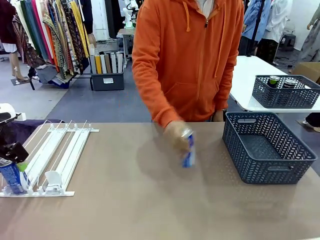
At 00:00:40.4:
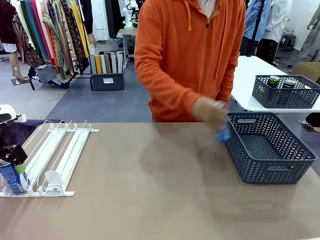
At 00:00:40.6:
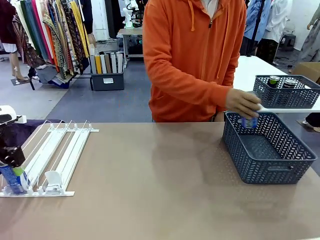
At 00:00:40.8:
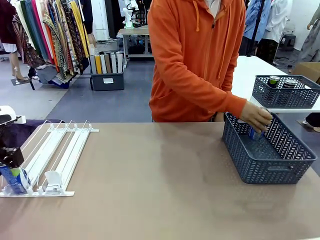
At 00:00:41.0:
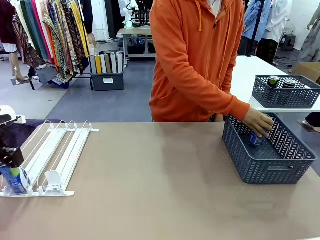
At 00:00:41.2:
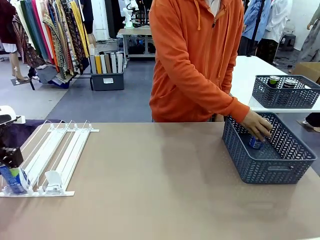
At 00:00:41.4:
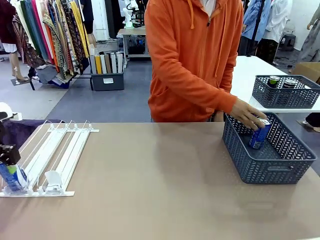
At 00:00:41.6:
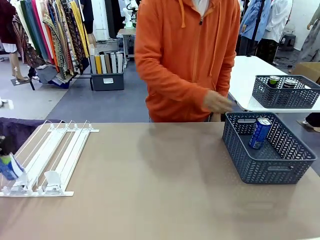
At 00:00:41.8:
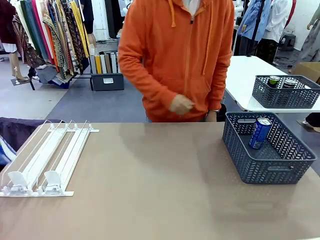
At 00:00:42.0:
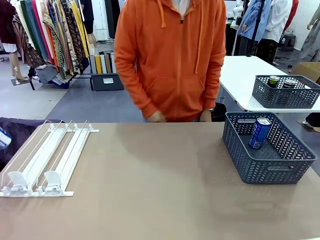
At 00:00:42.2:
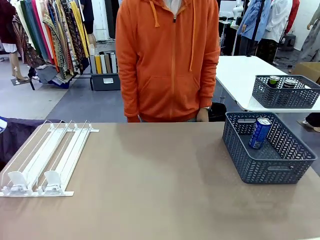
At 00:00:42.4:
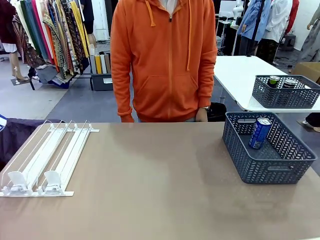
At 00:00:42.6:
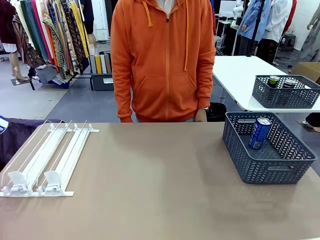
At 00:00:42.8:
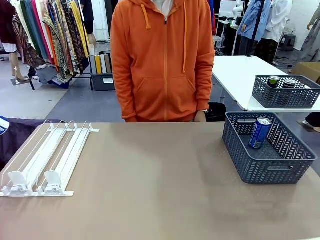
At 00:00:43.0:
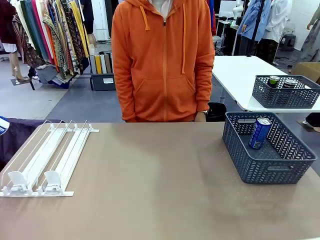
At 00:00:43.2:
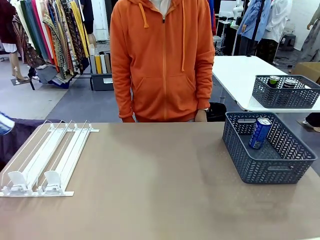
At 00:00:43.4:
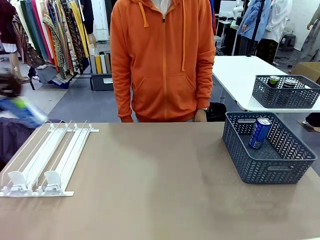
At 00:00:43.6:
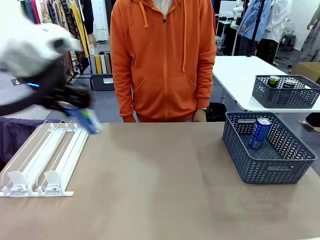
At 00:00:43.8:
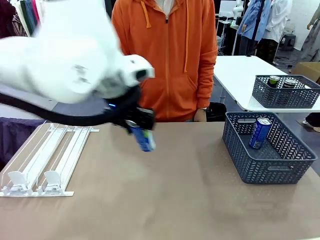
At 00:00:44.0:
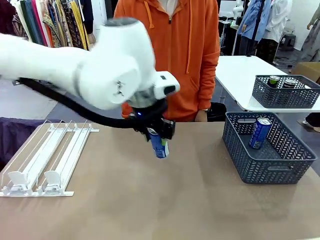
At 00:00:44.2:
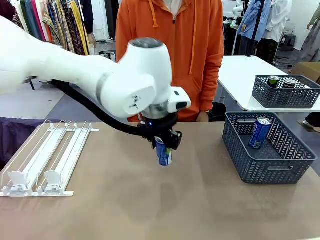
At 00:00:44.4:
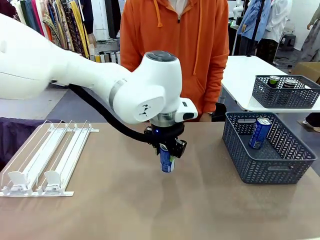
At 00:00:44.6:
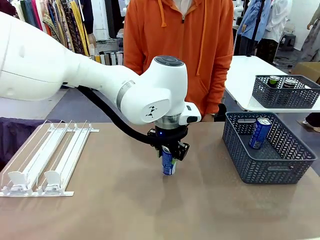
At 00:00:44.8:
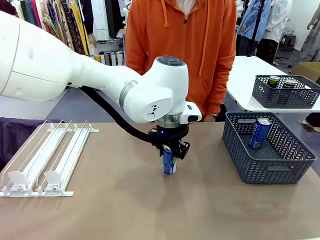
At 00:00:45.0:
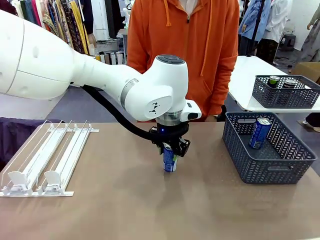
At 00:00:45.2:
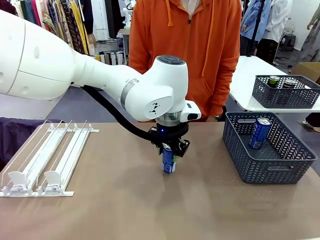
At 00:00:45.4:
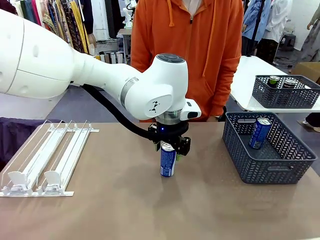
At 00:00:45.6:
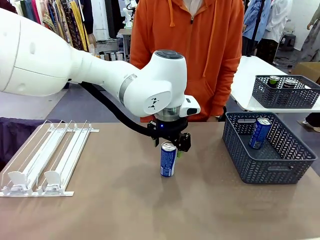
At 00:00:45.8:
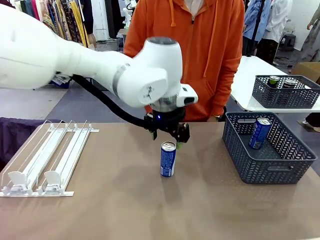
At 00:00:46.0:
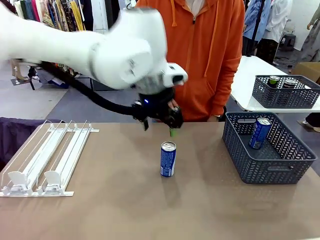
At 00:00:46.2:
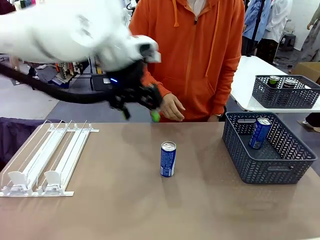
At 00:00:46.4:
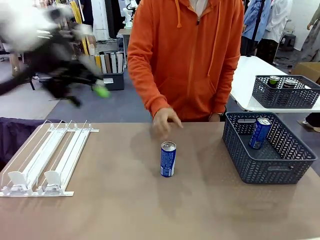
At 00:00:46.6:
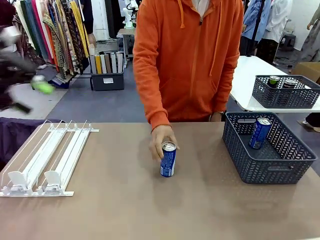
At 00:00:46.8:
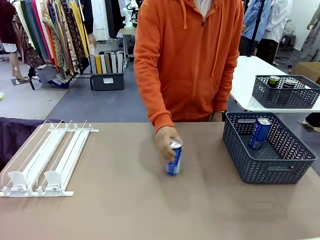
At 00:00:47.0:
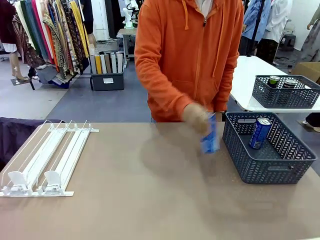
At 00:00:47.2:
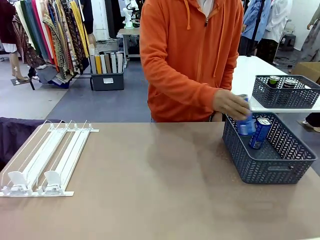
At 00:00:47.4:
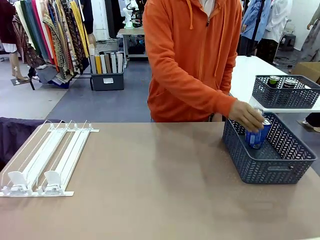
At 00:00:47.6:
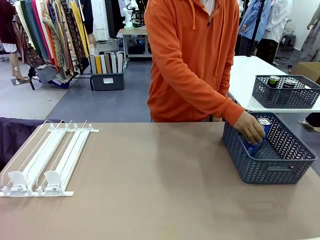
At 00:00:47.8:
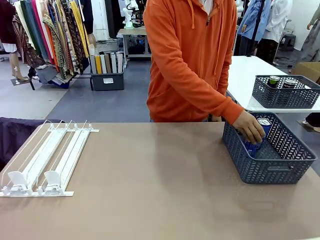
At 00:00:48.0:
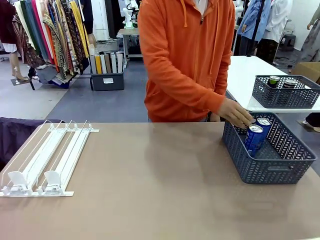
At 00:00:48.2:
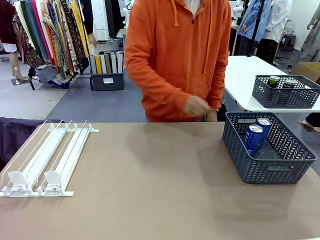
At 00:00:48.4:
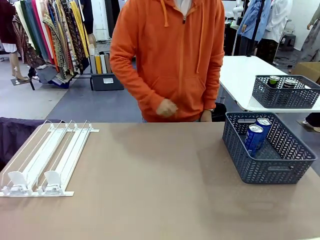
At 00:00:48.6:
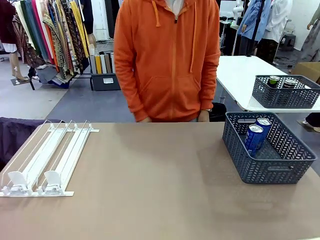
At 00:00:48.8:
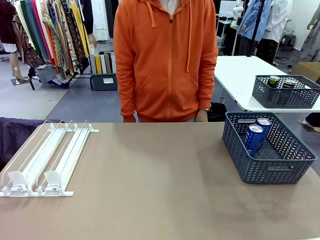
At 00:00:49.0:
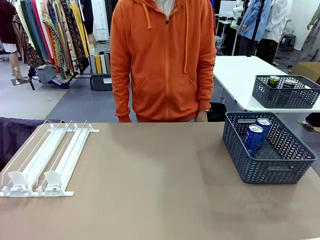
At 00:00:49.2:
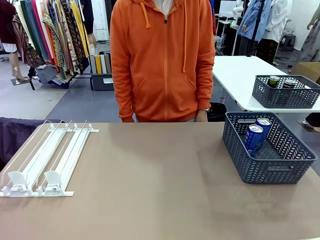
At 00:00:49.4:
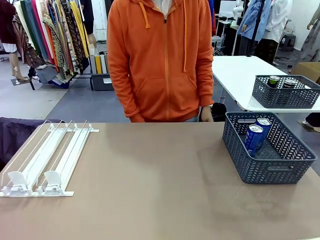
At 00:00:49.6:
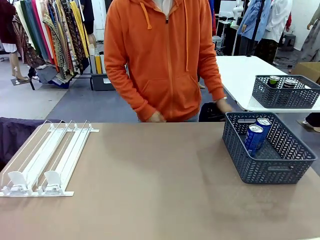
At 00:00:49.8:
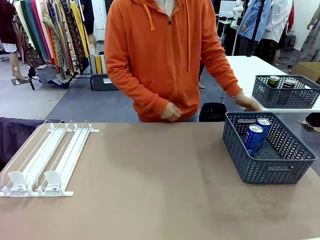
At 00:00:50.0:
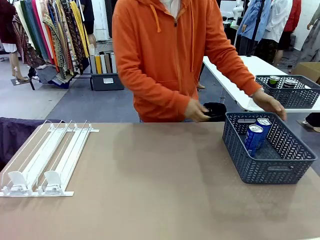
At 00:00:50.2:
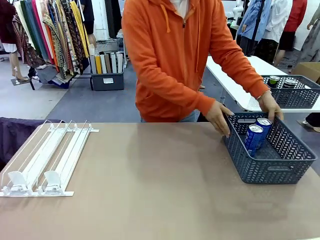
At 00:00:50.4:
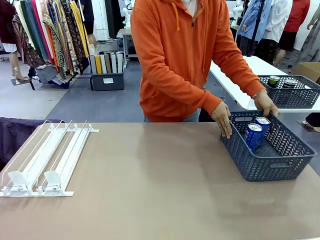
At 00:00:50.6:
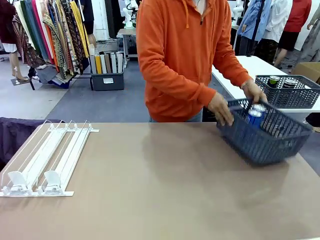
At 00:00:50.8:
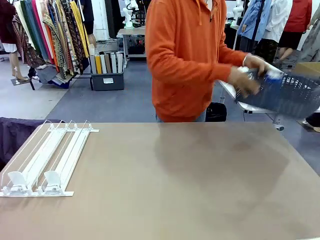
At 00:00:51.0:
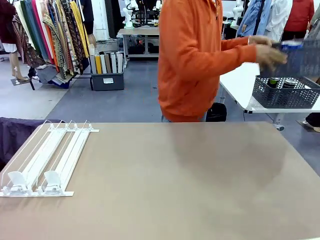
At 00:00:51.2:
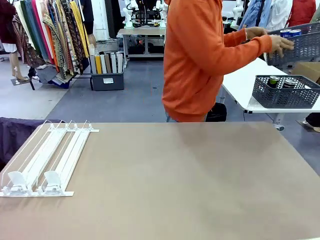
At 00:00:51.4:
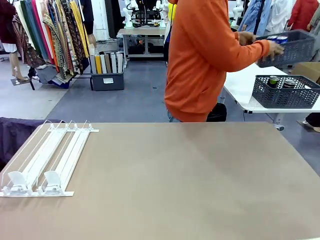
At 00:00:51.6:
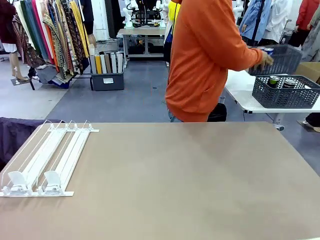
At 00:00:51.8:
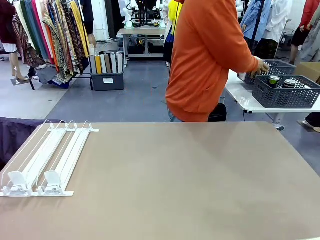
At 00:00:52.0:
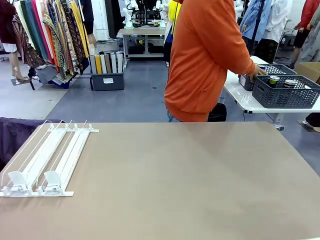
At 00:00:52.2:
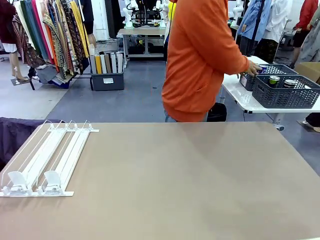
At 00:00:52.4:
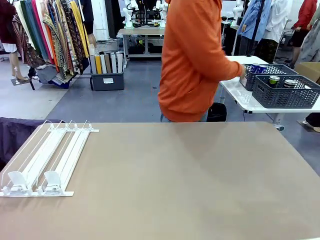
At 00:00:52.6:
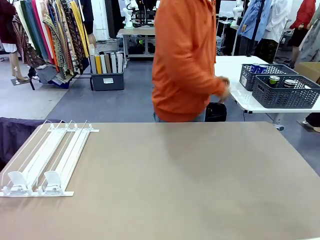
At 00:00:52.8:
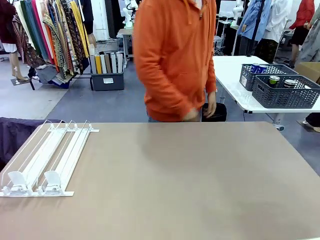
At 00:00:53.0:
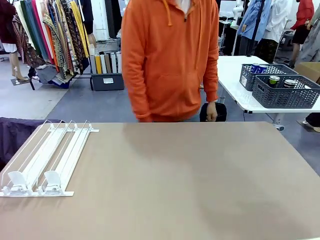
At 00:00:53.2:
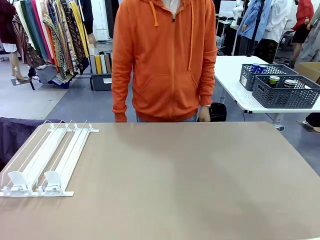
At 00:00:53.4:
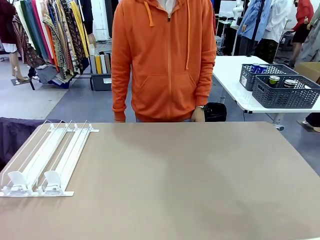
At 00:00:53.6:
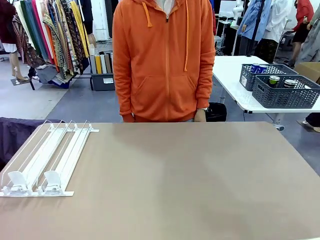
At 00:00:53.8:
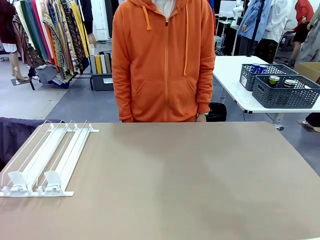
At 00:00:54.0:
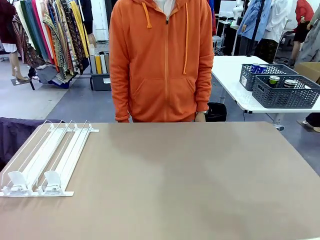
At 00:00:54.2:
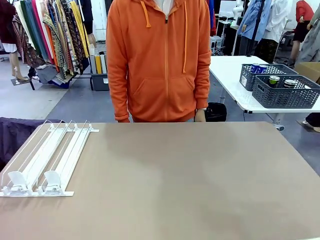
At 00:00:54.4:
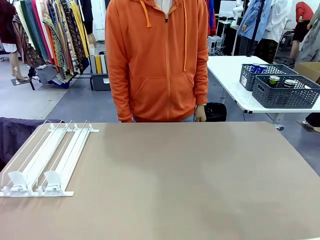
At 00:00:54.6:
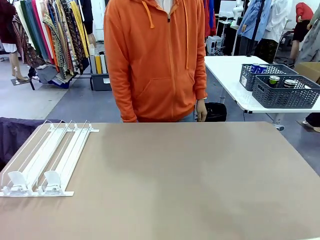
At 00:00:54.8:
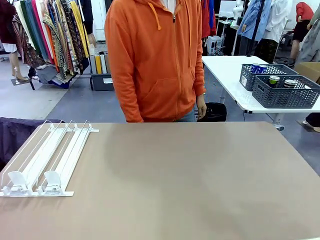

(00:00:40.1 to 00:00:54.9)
Task: Retrieve and store the cans from the dispenser.
Robot: Pick up one can from the Automatic Can Dispenser and place it in the middle of the table.
Person: Pick up one sports drink can from the middle of the robot table and place it in the basket. Pick up the basket and place it in the middle of the human table.
